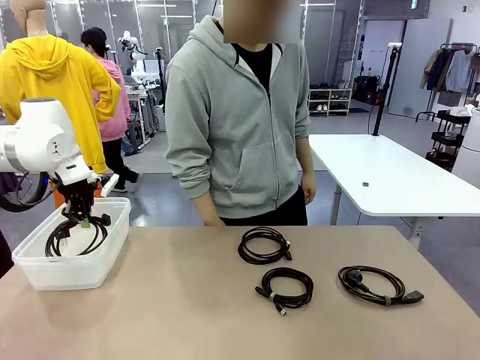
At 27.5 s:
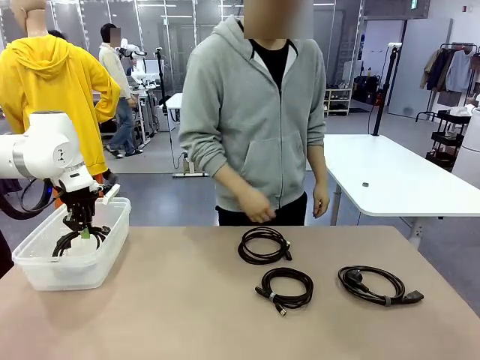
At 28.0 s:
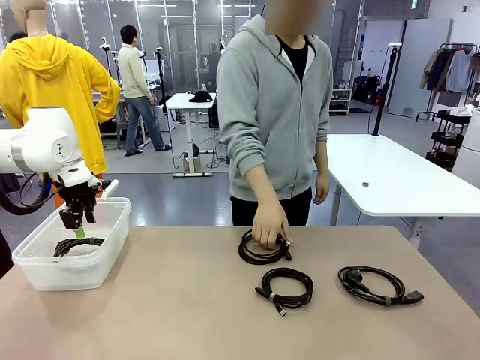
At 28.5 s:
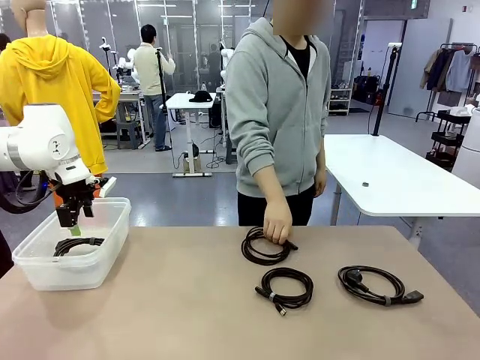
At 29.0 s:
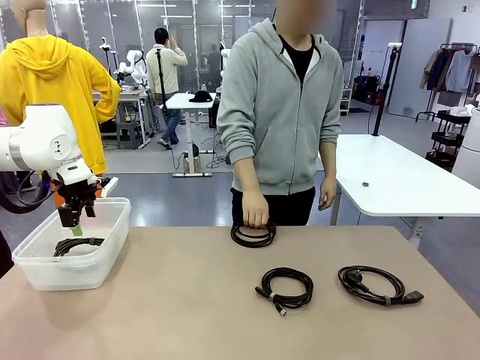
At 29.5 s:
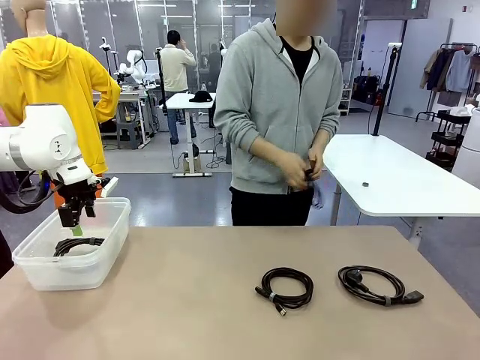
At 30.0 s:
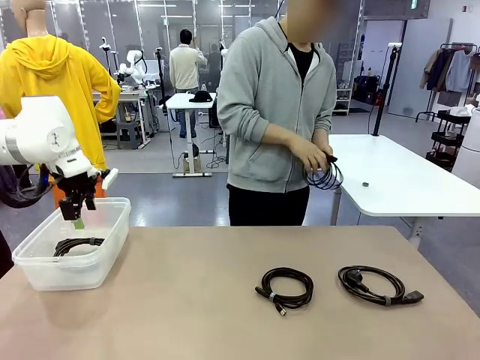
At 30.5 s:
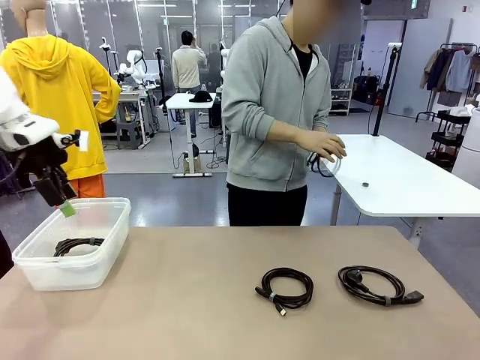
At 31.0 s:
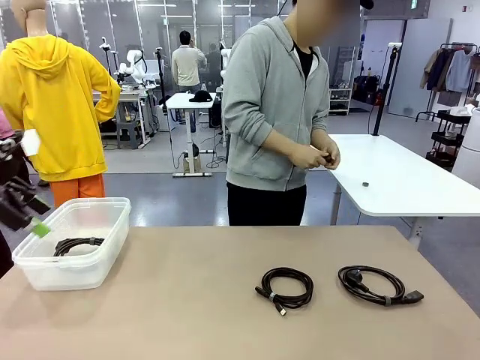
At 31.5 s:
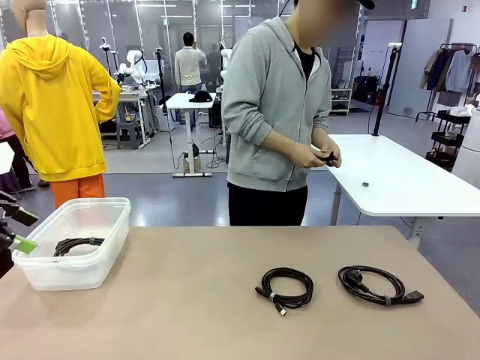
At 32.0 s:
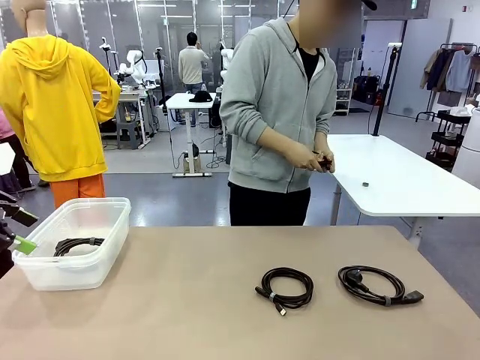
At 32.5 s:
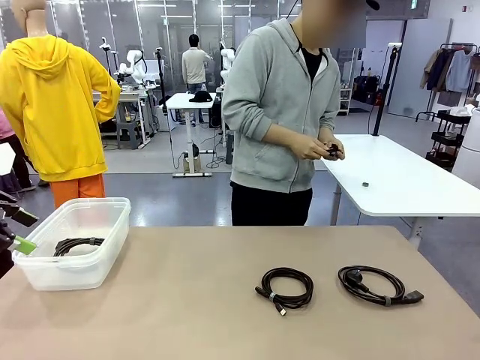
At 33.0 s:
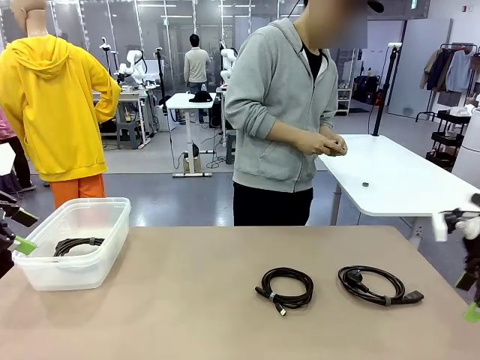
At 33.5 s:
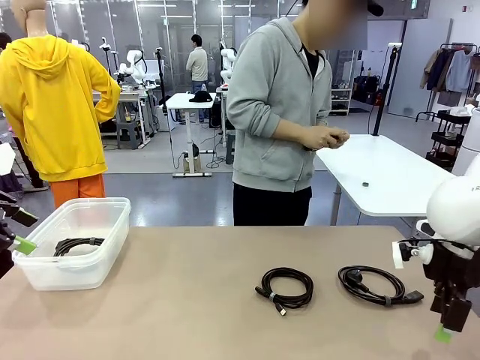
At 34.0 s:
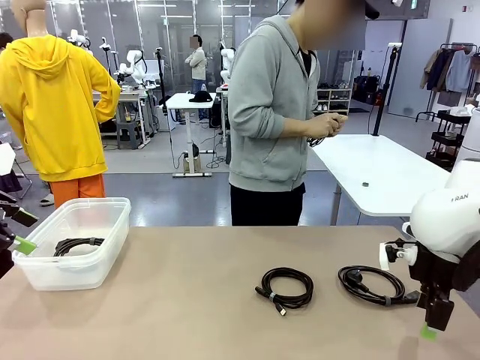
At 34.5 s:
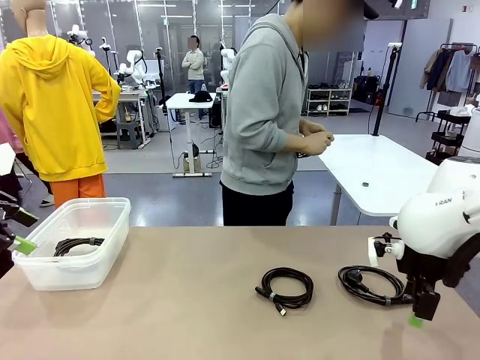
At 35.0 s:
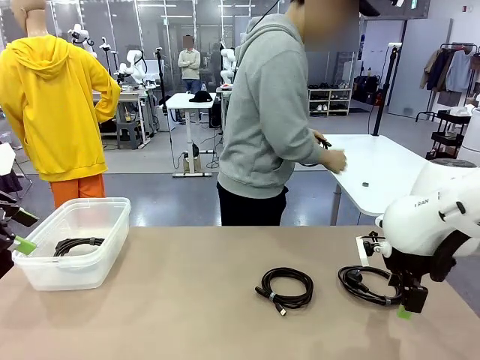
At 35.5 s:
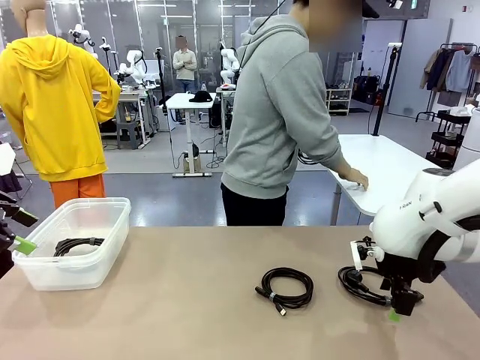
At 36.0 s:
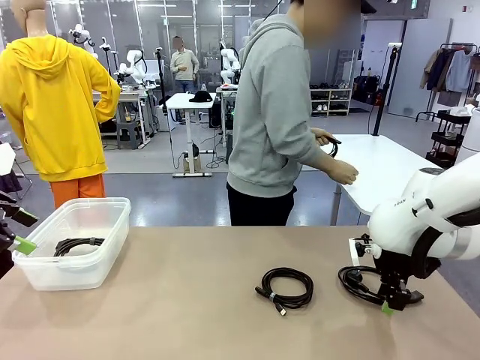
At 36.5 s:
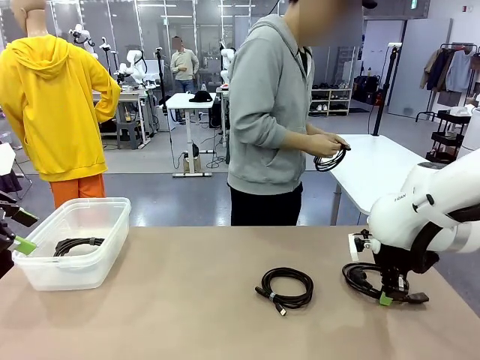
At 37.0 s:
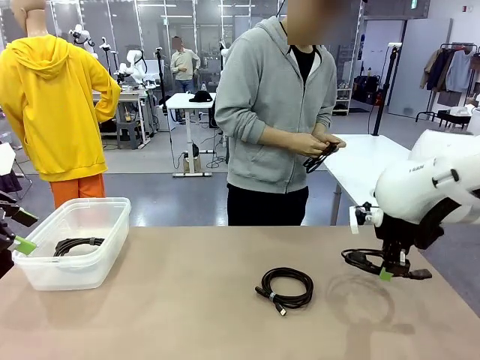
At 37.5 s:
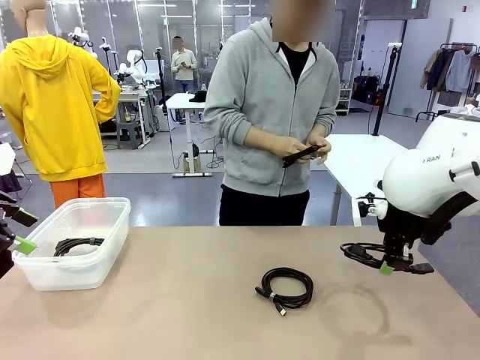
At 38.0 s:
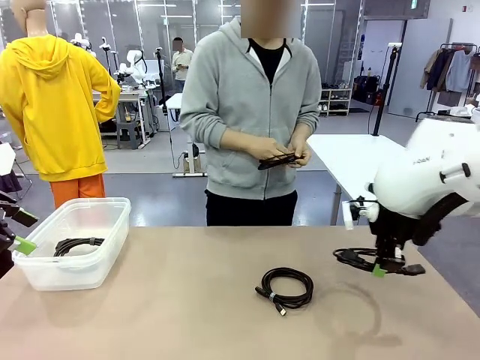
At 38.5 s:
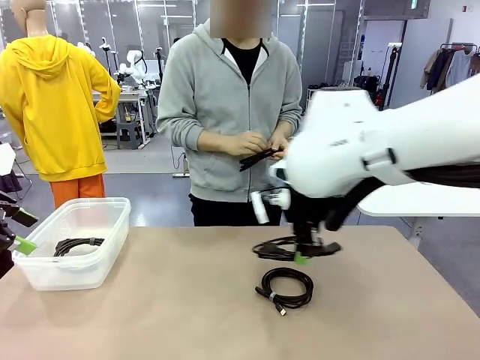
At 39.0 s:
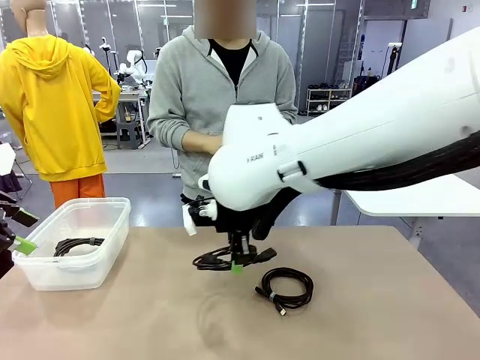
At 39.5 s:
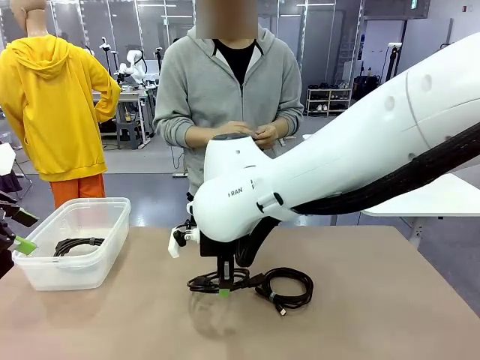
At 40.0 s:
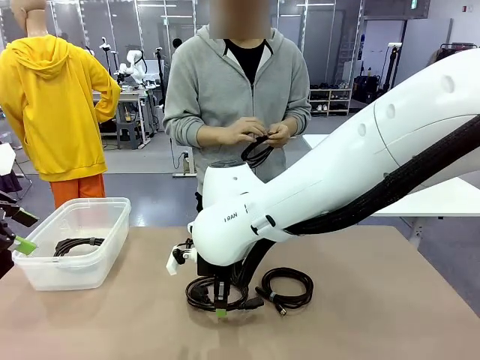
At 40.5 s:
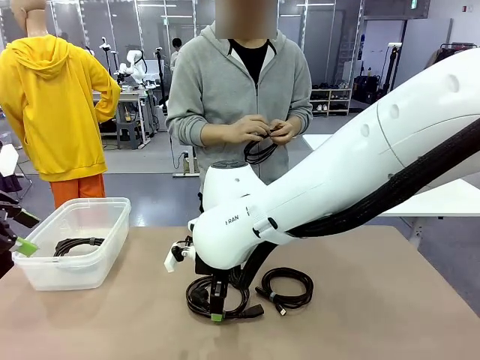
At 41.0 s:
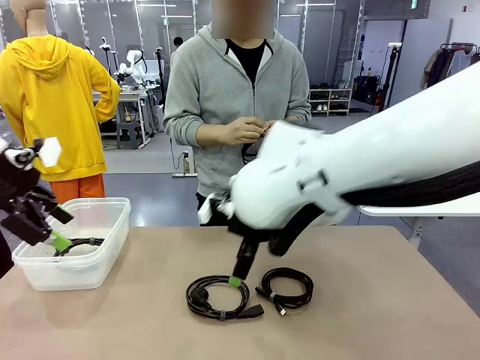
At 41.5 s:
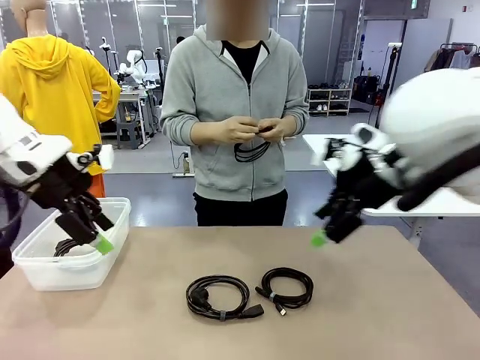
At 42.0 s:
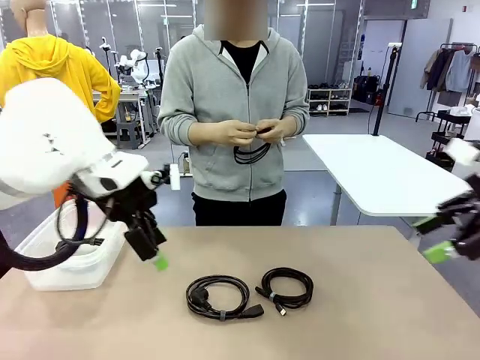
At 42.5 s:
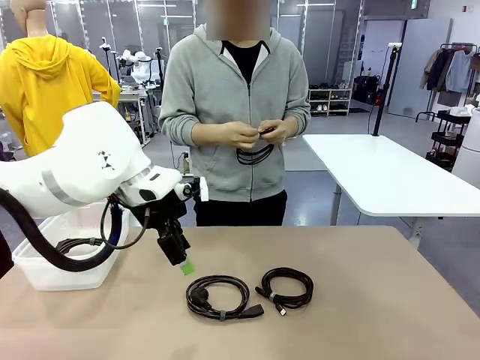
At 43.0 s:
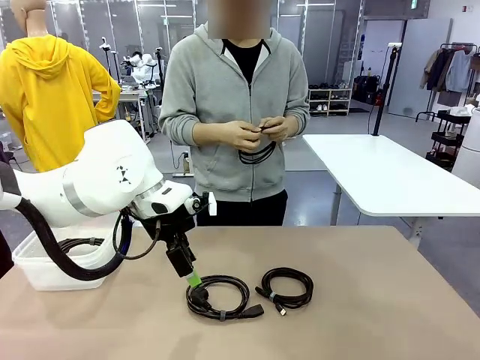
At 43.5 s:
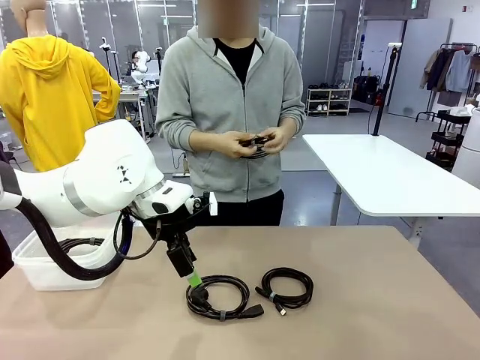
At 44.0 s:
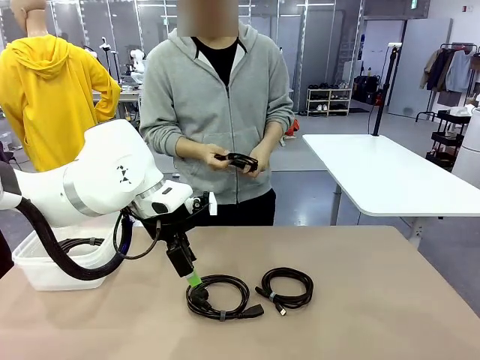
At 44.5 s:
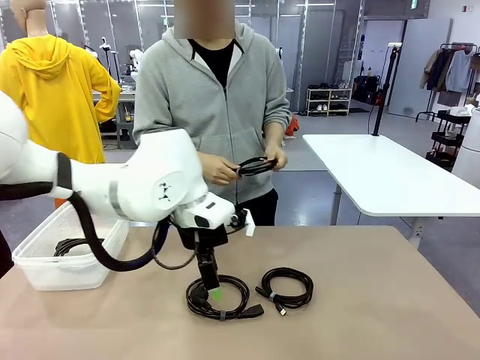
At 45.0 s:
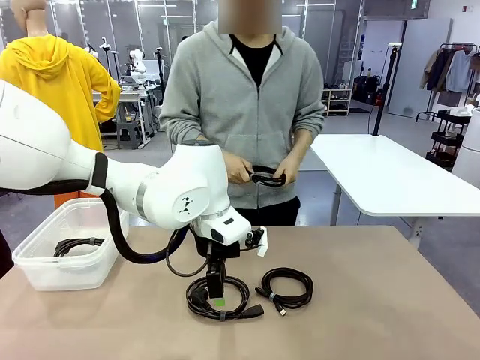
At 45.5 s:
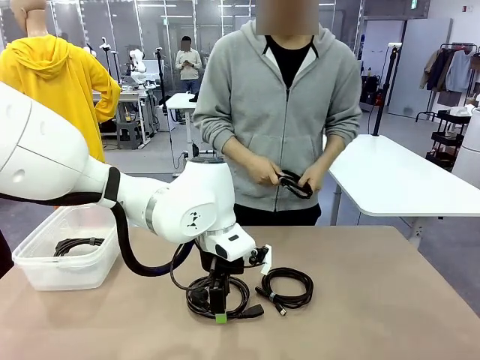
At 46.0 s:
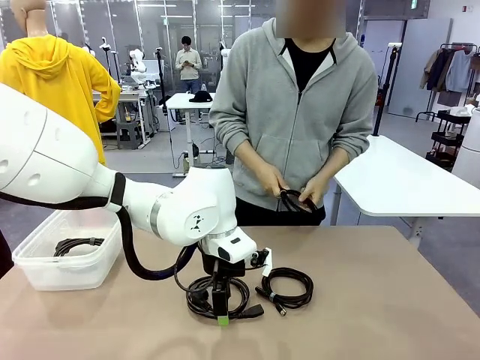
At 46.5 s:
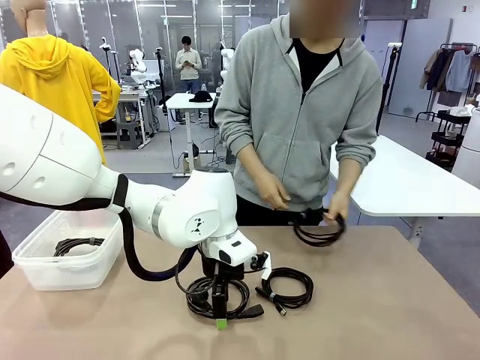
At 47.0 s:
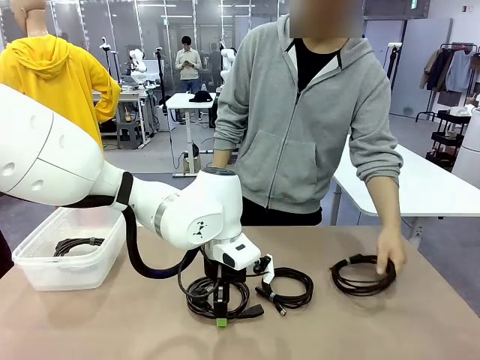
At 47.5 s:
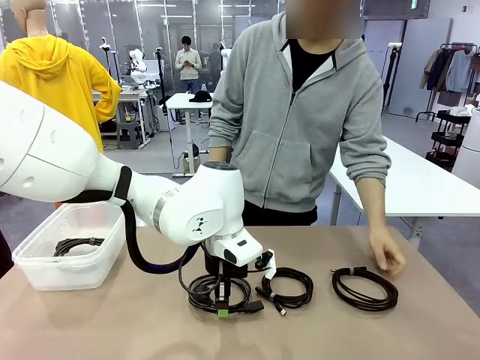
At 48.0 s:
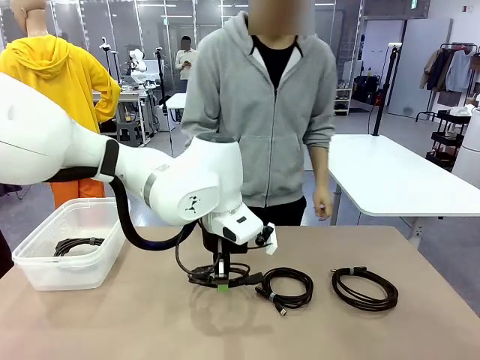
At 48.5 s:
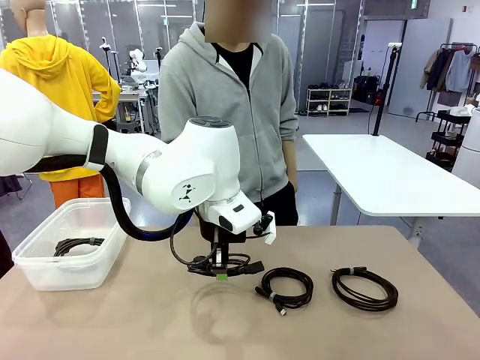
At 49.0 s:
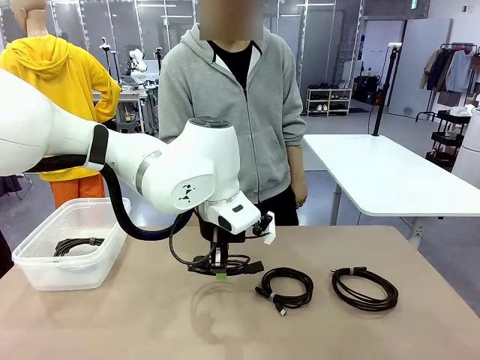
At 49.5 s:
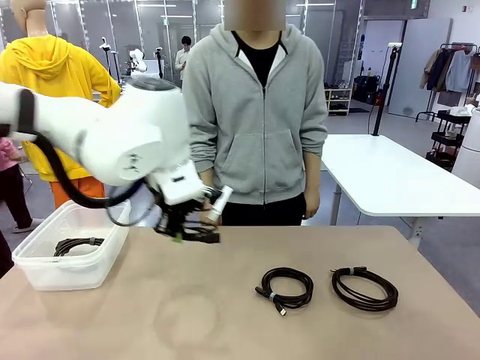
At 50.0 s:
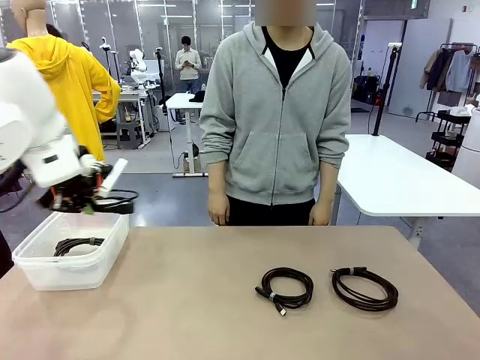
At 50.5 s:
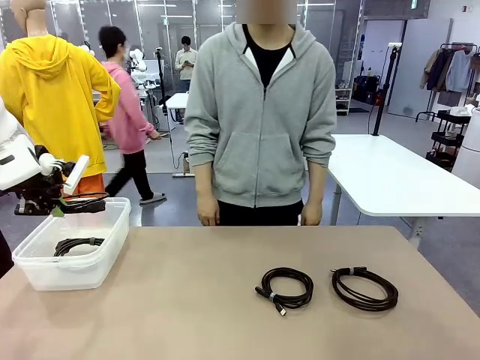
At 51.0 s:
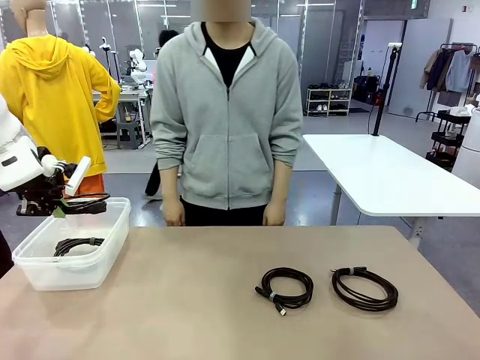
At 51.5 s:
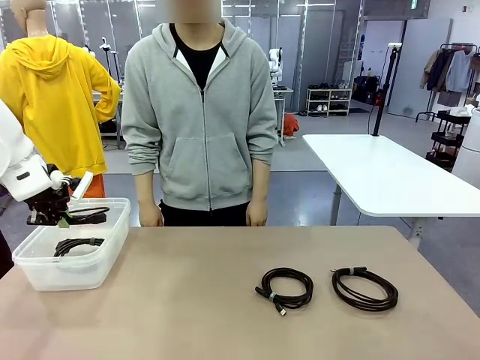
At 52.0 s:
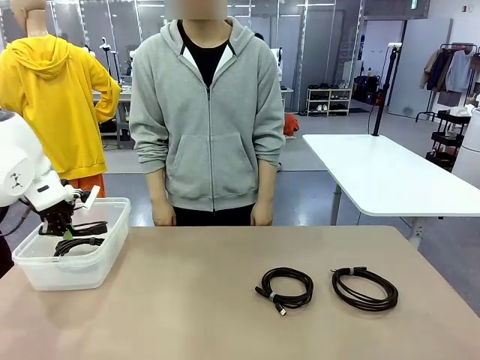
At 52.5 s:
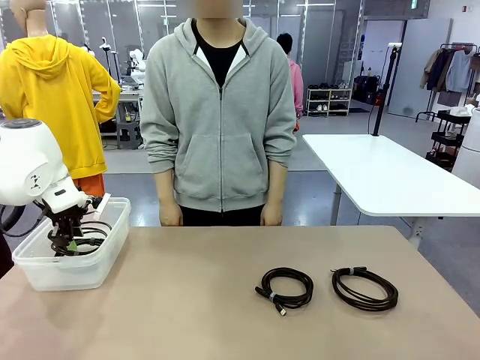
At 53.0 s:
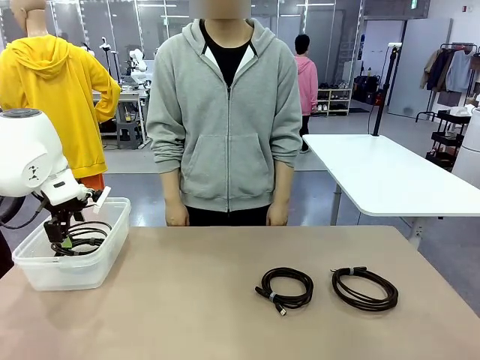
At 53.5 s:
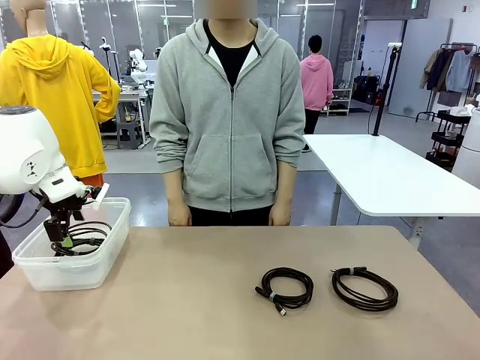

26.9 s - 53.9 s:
Task: Organize and store the cables.
Robot: Place the Power Cable into the Organizing box.
